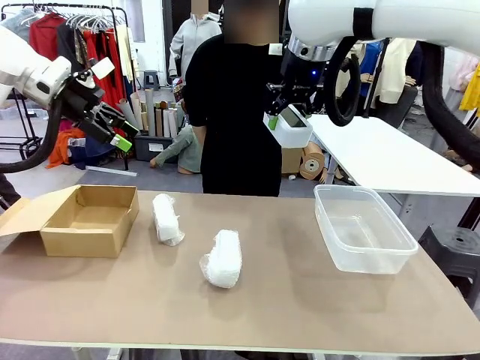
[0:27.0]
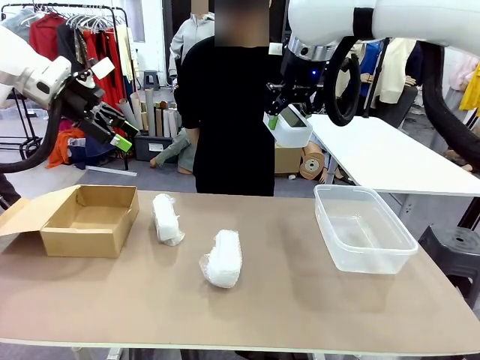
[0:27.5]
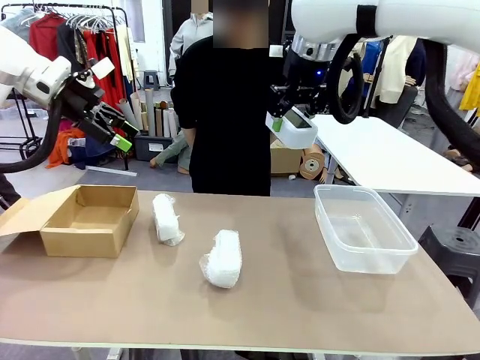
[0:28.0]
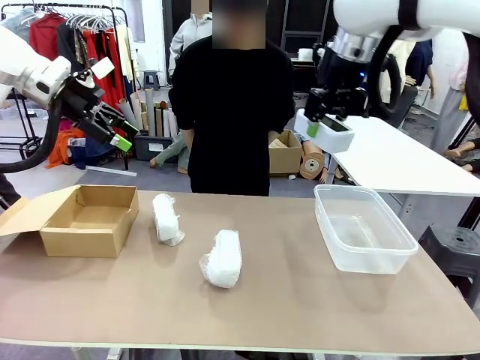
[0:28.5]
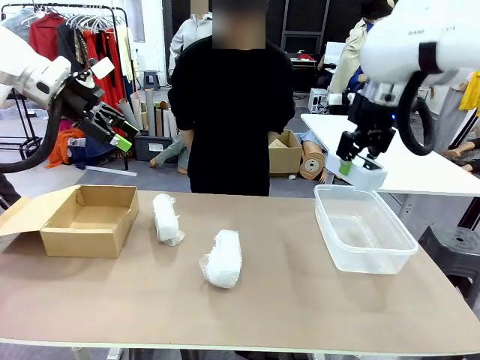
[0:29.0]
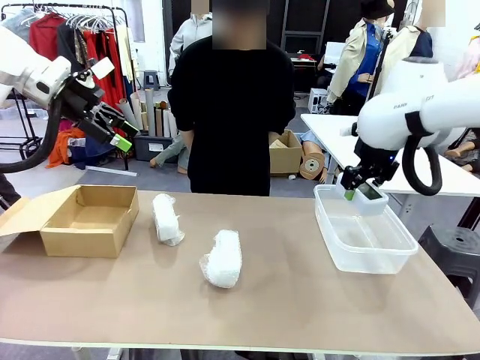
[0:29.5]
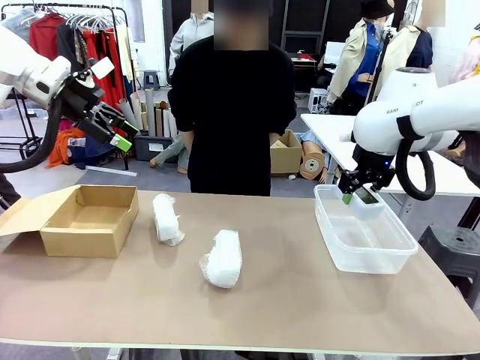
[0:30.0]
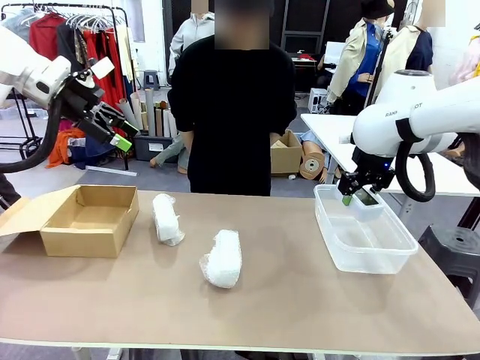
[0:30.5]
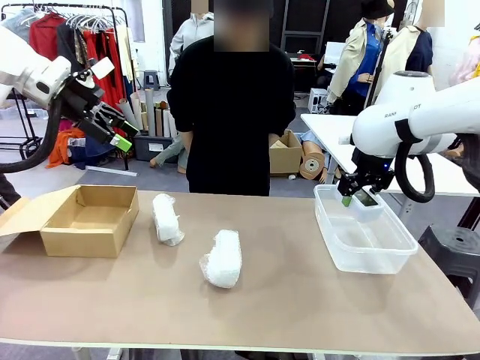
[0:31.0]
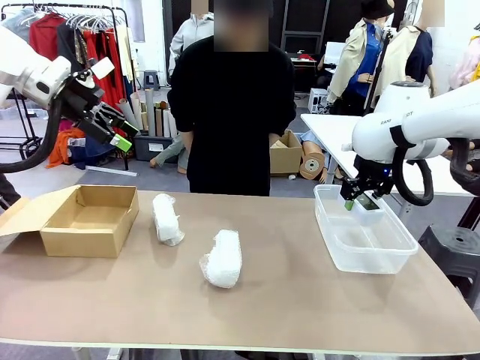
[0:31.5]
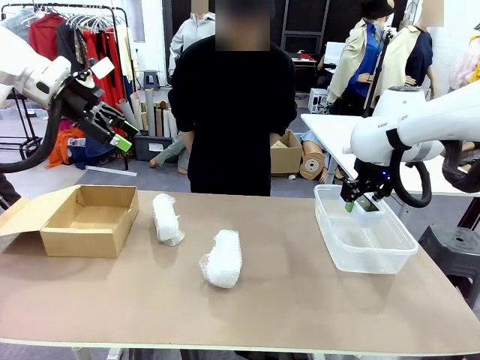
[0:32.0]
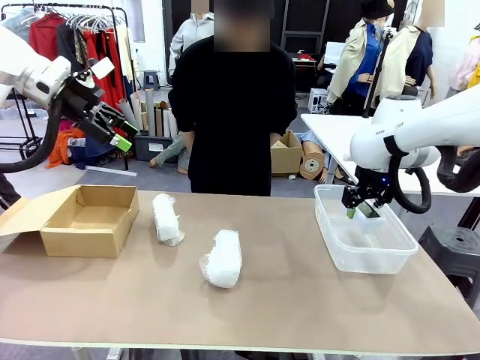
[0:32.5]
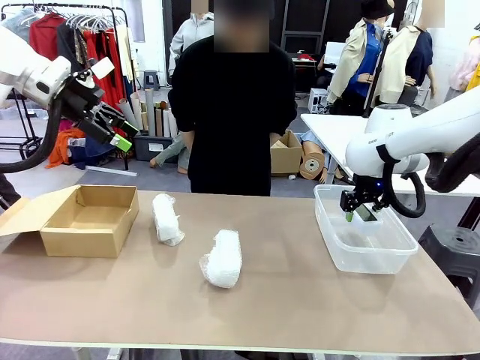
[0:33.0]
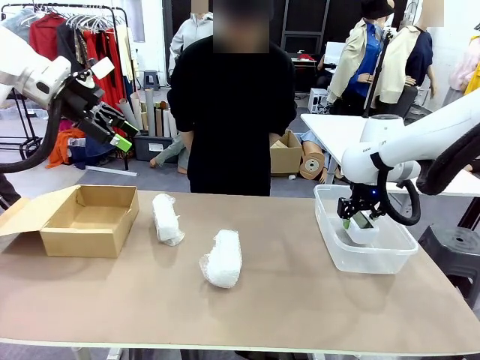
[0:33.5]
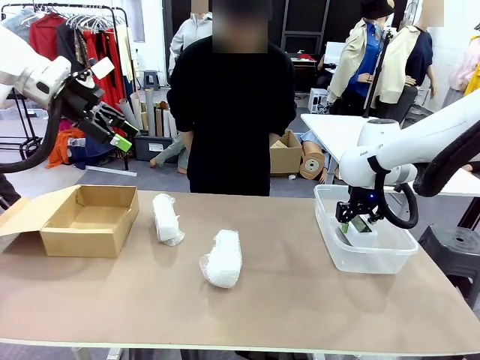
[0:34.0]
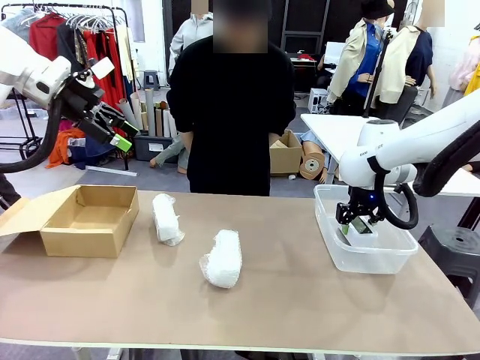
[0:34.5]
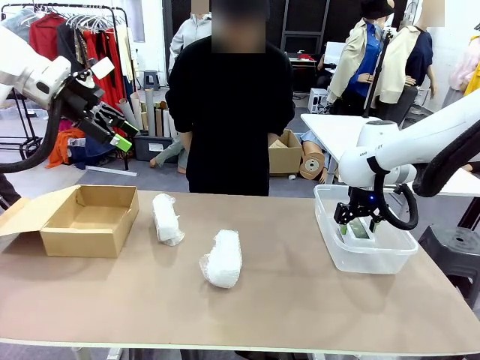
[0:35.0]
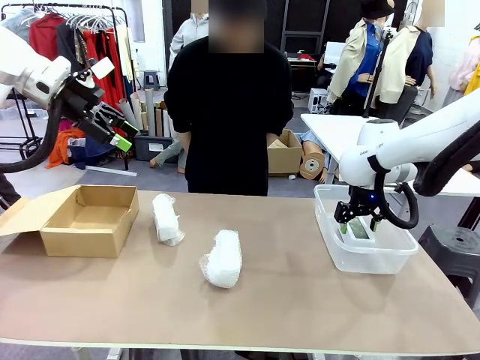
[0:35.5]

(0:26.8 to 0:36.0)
Task: Separate and place wrapped and unwrapped clocks.
Robot: If the picked Digital clock is wrapped, place it in the Package Box ; if not, place it in the Organizing box.

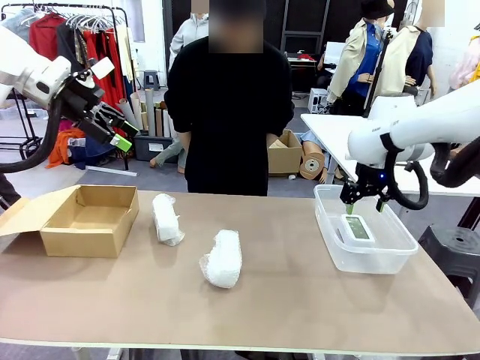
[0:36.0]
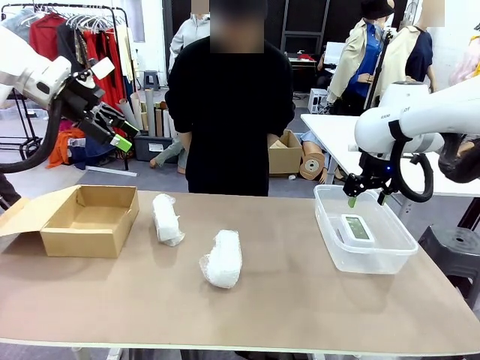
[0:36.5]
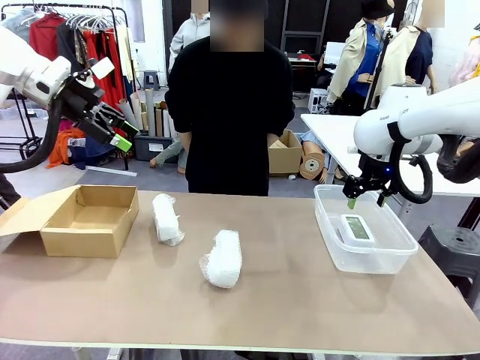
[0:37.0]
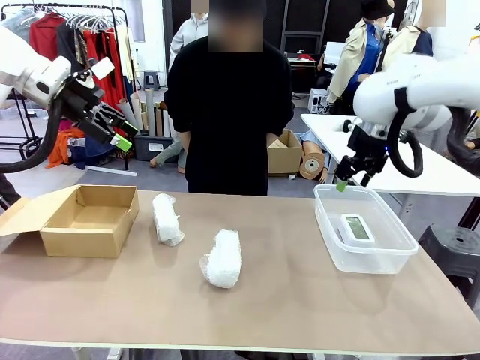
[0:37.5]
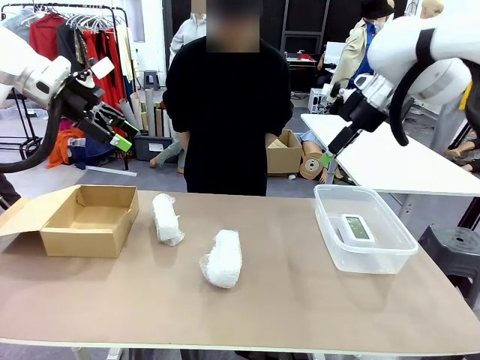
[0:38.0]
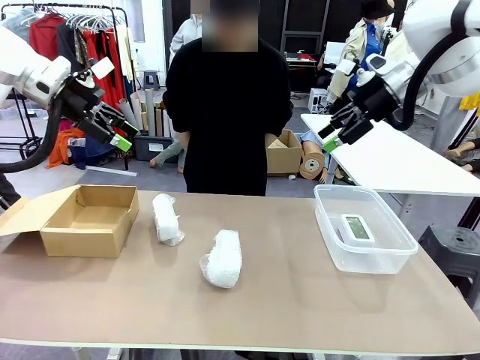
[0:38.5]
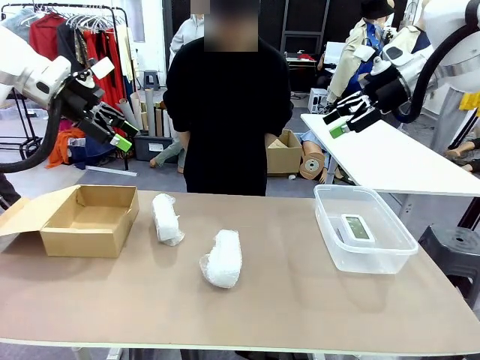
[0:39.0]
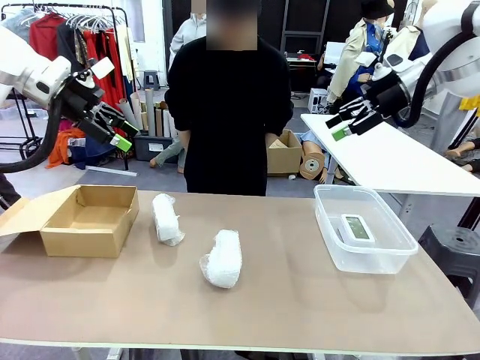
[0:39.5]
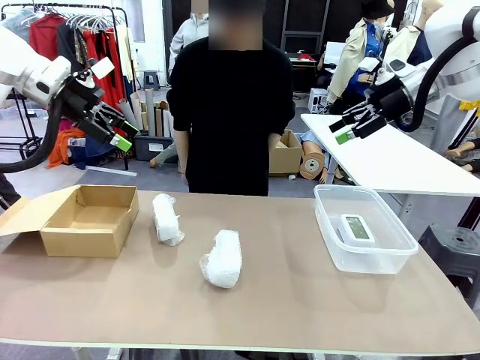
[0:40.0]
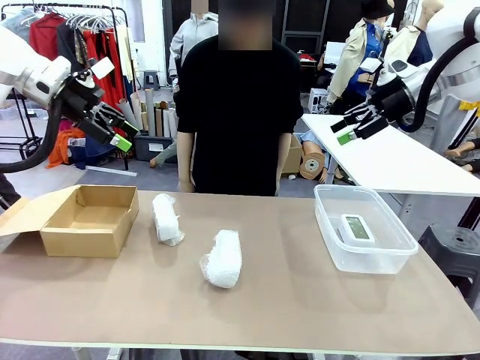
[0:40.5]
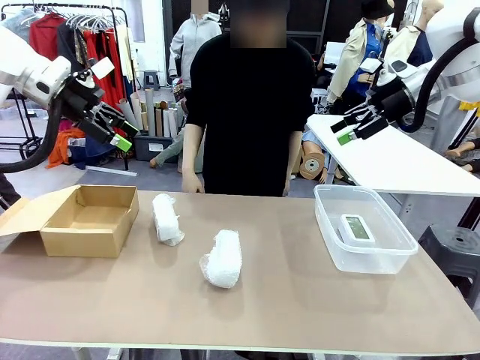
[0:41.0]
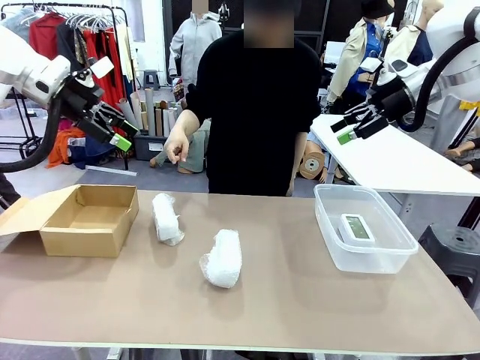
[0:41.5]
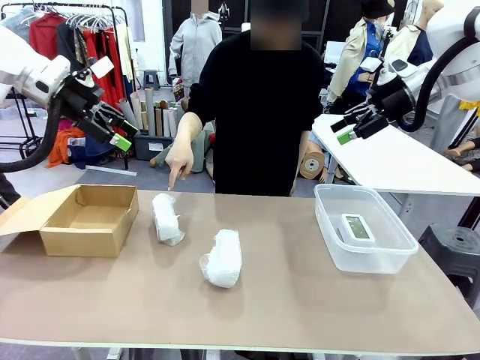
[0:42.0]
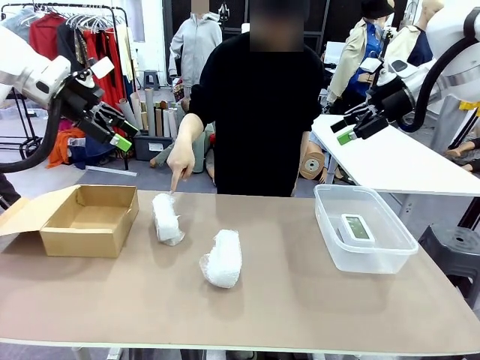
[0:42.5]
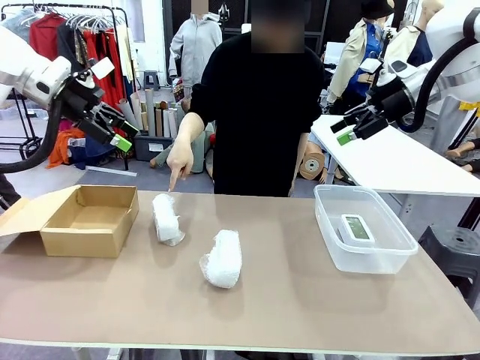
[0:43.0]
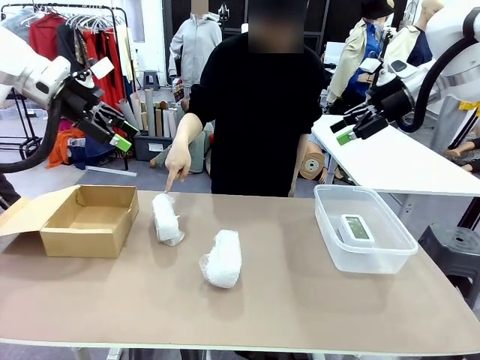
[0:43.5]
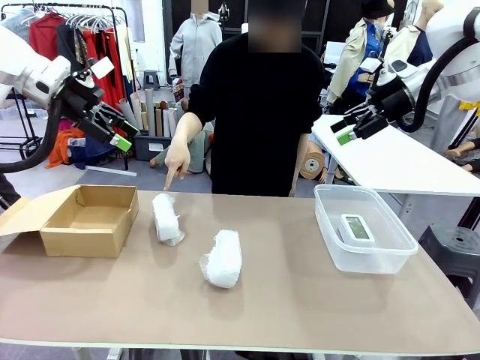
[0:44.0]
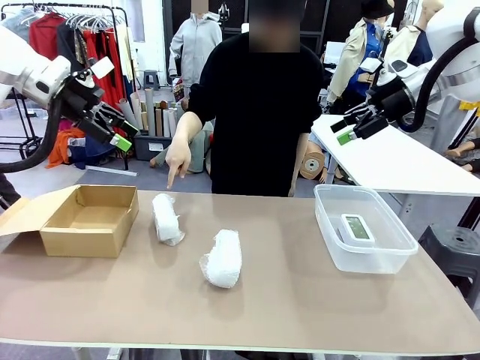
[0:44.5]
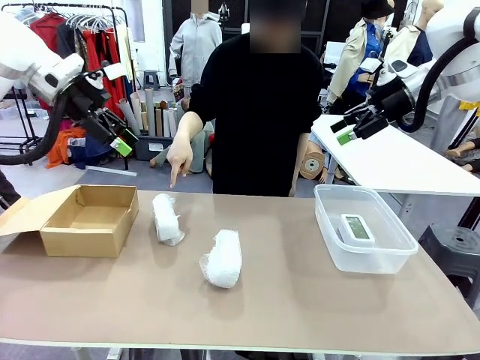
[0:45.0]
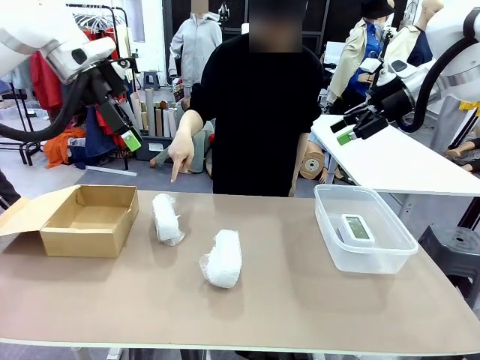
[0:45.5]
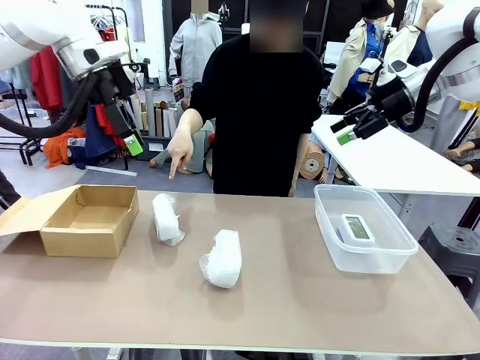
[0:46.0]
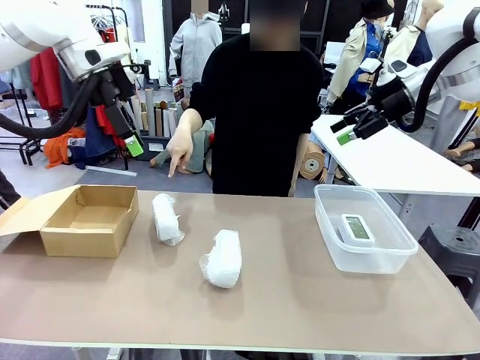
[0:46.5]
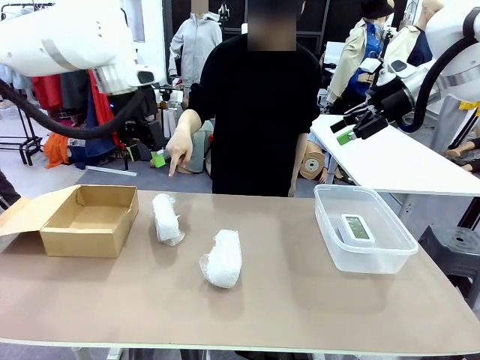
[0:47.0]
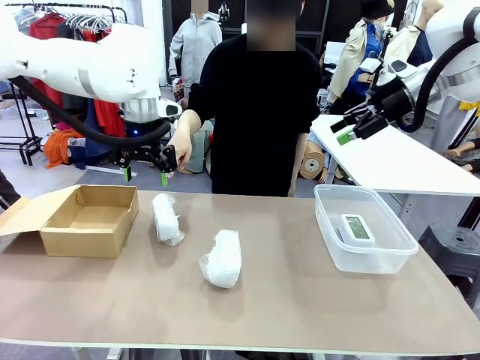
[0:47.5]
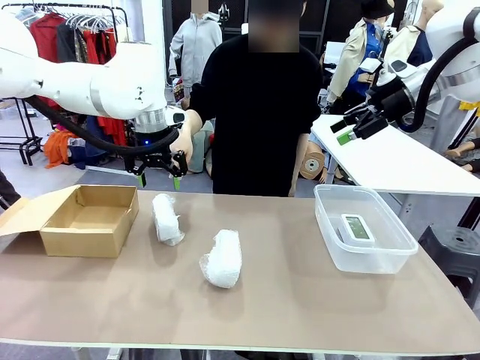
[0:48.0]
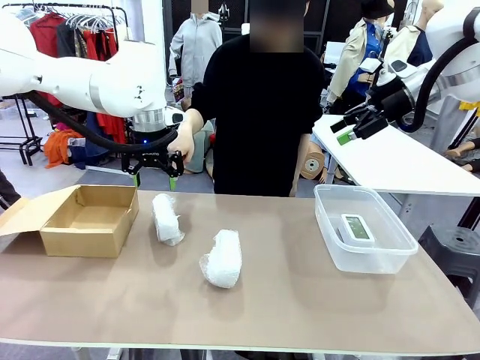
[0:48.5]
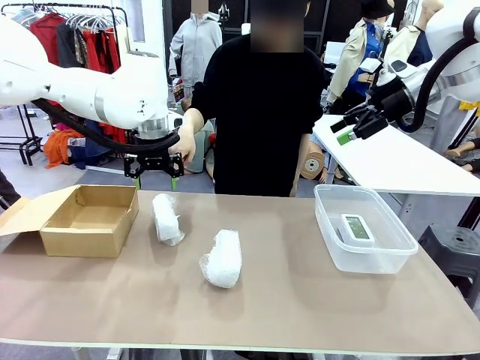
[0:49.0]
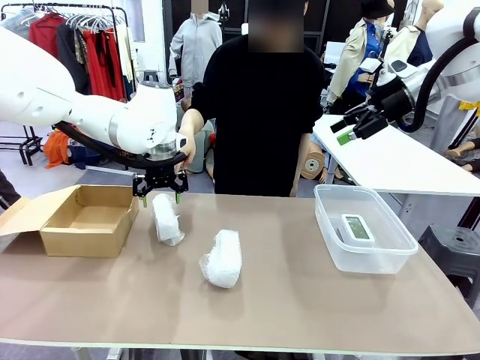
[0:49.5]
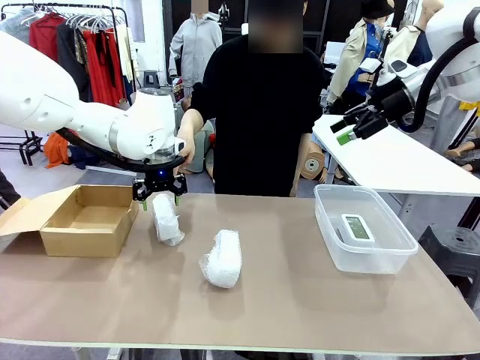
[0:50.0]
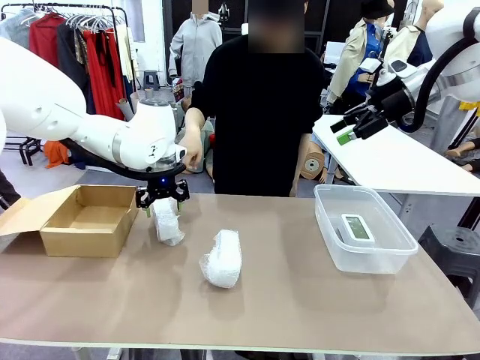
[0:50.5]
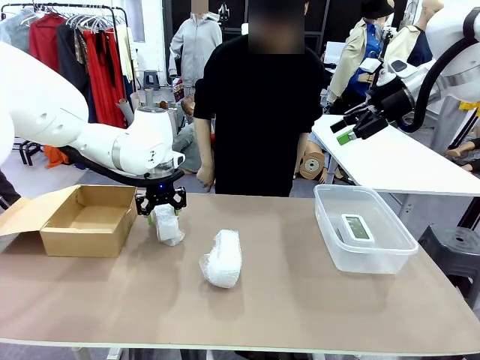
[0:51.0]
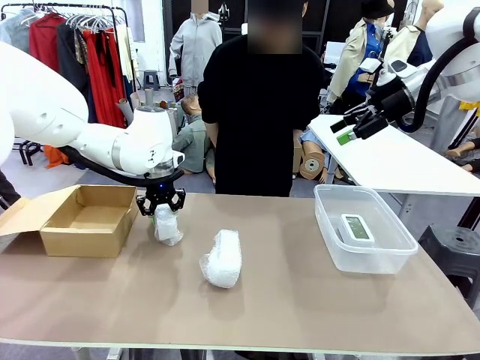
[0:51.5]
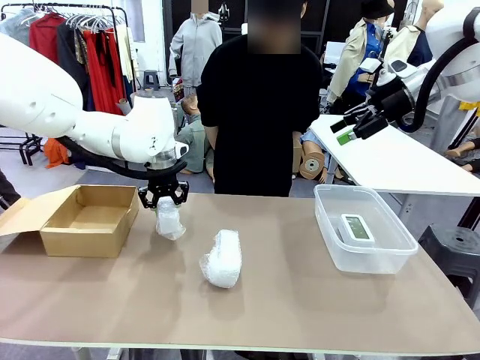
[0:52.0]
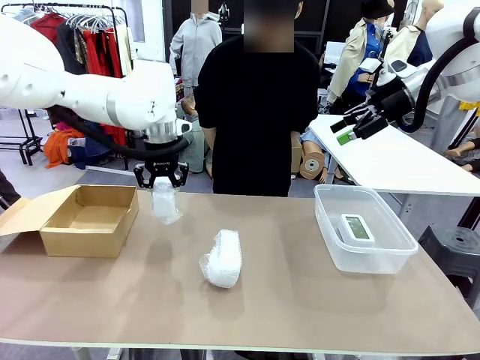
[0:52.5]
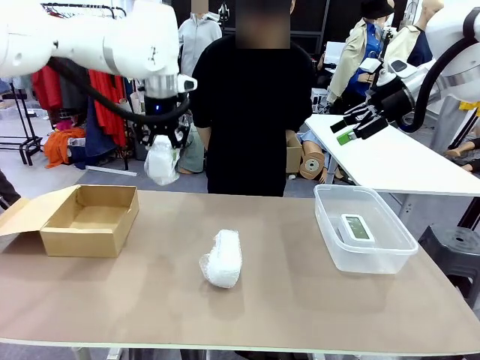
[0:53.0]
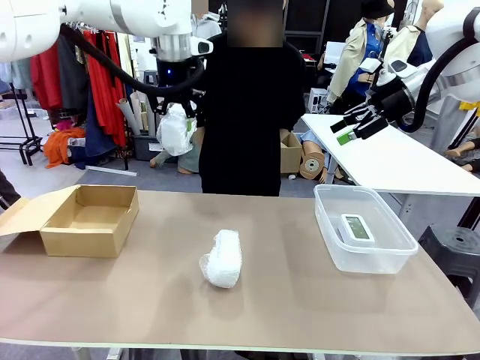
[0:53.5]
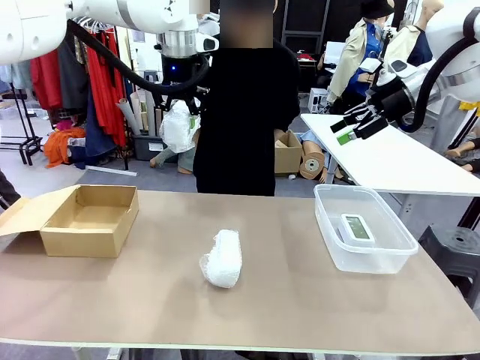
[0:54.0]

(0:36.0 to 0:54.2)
Robot: Pick up the Digital clock indicated by the person.
